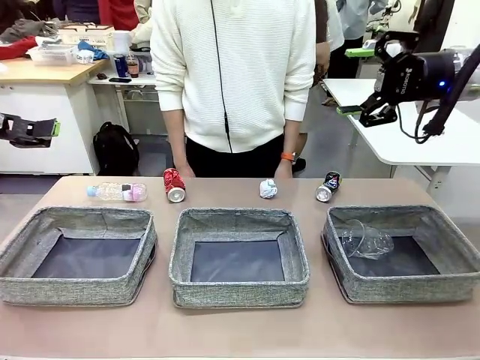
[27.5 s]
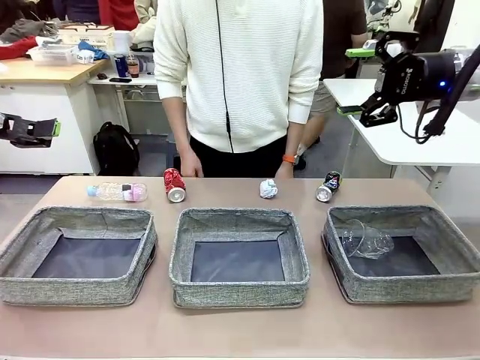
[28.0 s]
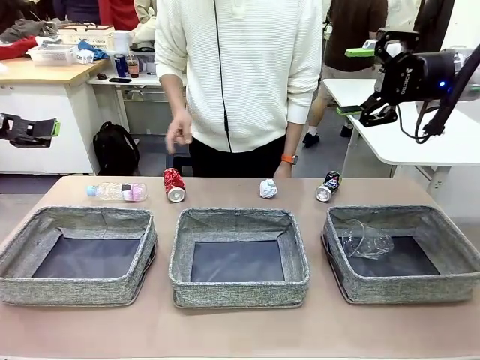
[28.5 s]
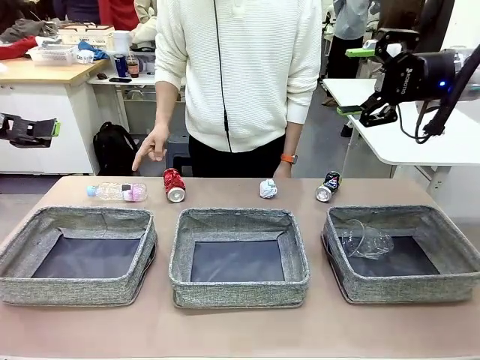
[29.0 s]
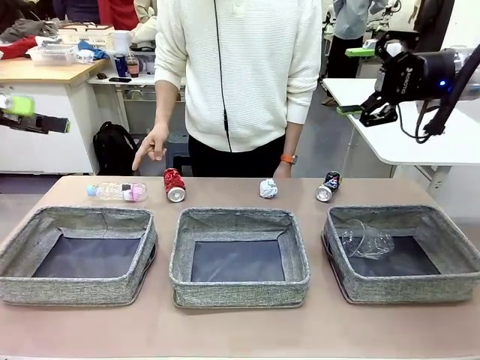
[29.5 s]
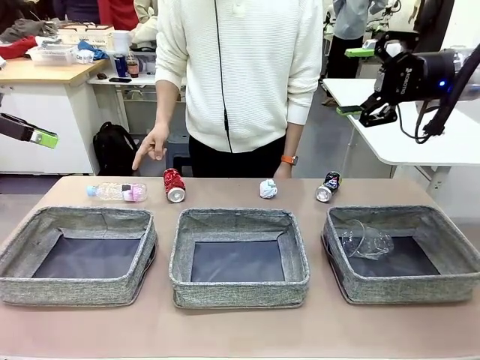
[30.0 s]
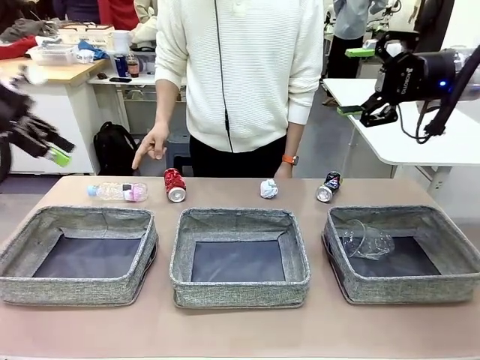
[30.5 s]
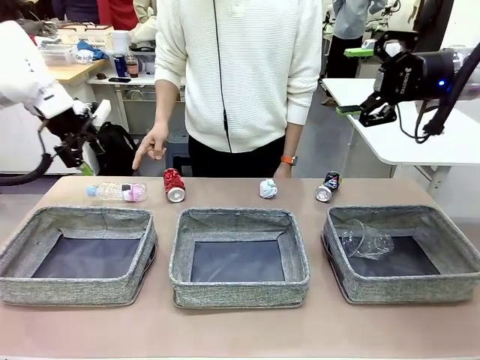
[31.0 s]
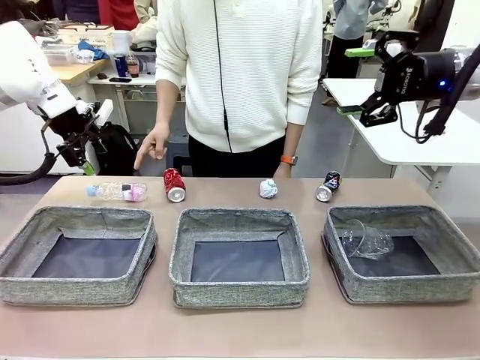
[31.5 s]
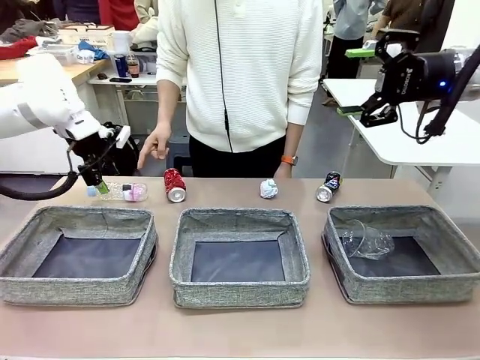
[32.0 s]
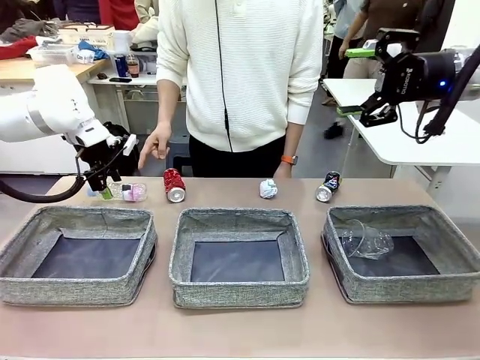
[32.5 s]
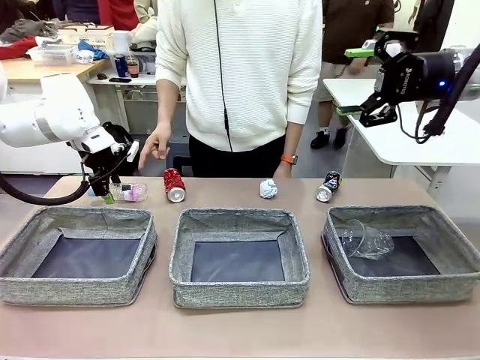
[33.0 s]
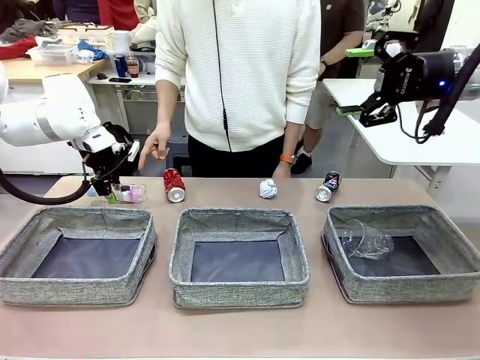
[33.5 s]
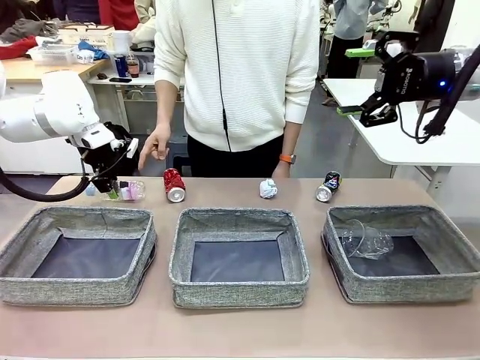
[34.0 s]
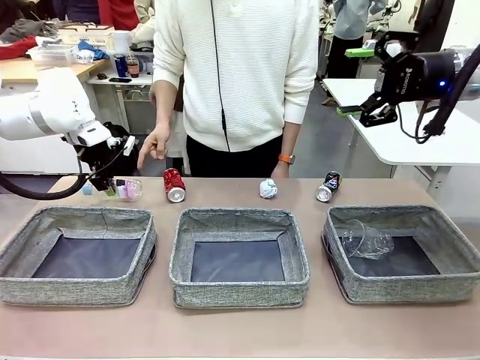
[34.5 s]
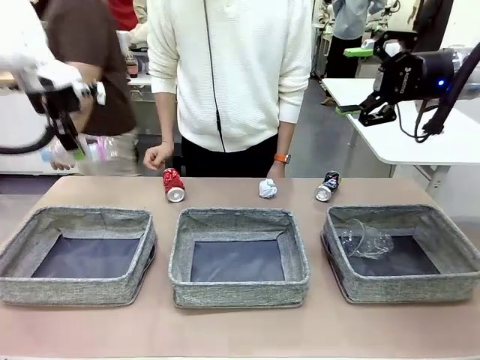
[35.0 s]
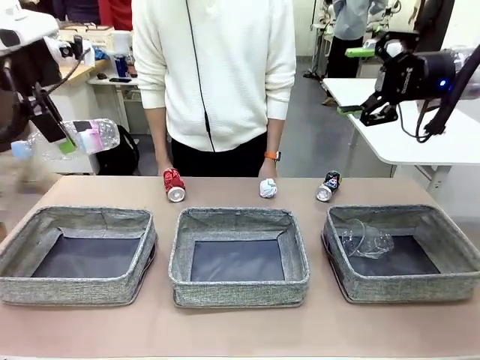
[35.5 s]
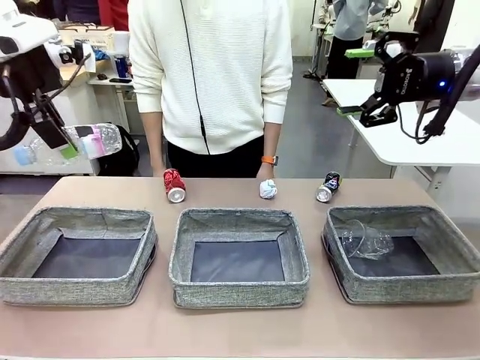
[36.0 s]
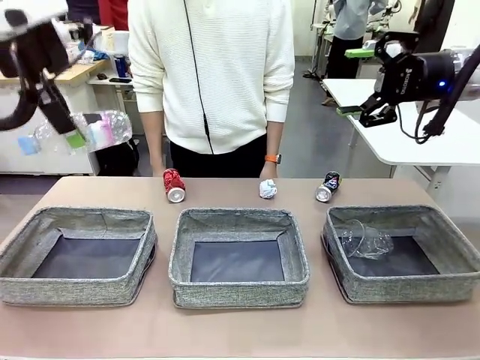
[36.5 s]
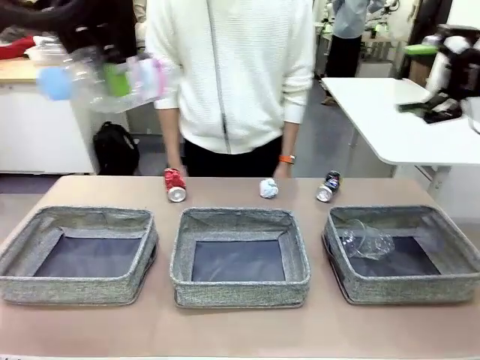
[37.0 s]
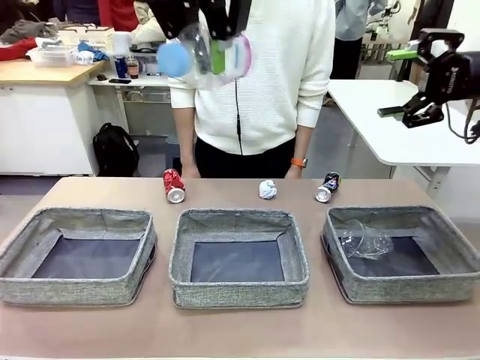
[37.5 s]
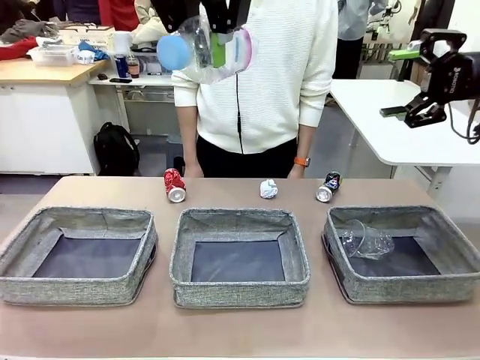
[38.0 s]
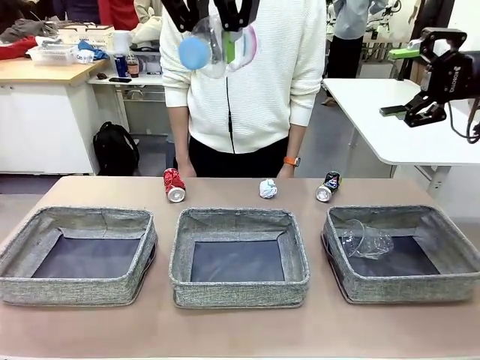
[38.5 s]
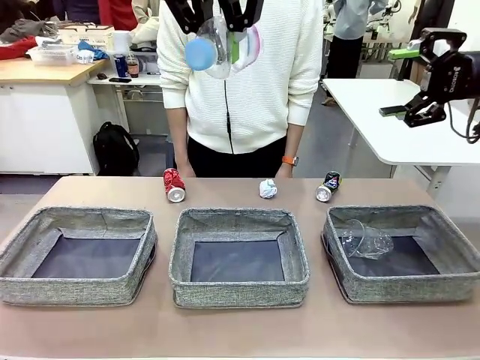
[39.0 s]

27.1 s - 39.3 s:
Task: Sort the waste into the appropriate baskets.
Robot: Pick up the waste item pointed out by the person.
Person: Points to one piece of trash on the table.

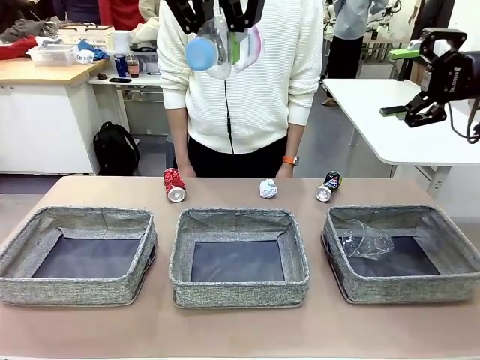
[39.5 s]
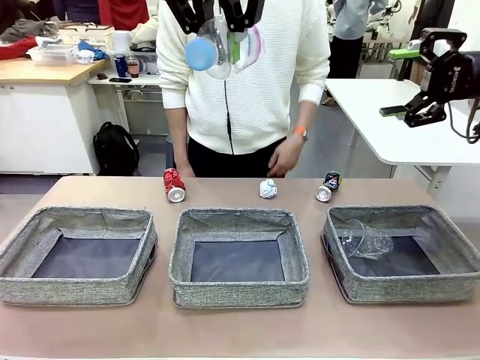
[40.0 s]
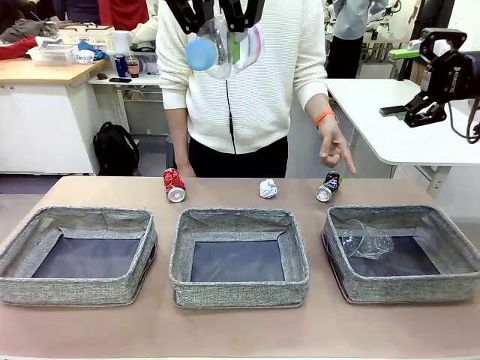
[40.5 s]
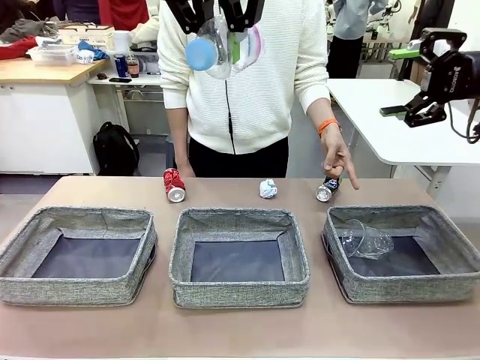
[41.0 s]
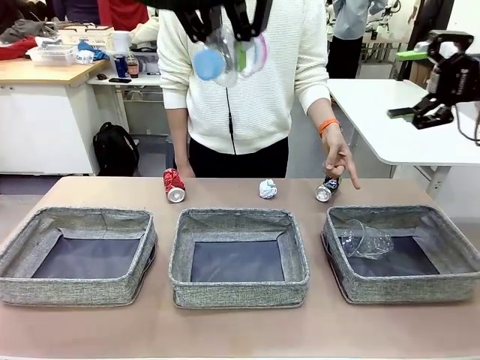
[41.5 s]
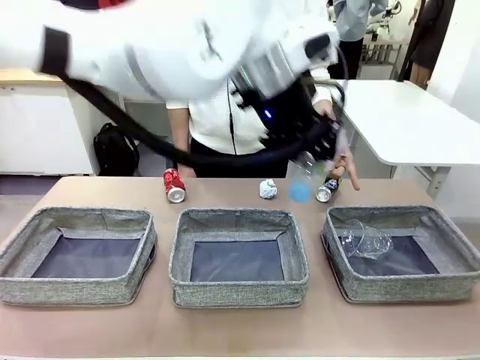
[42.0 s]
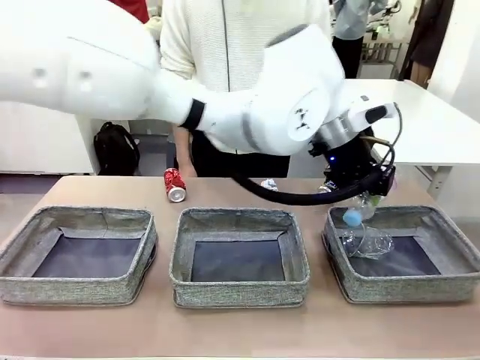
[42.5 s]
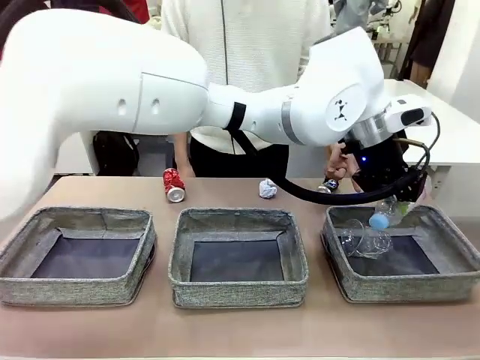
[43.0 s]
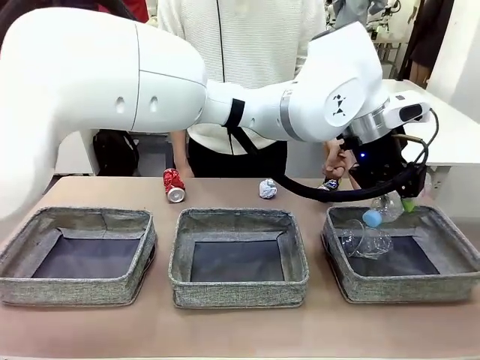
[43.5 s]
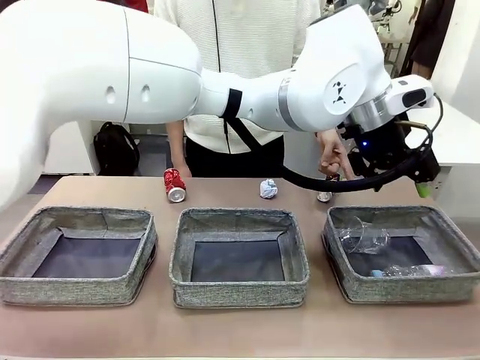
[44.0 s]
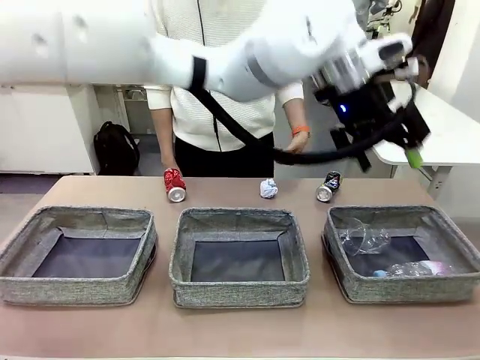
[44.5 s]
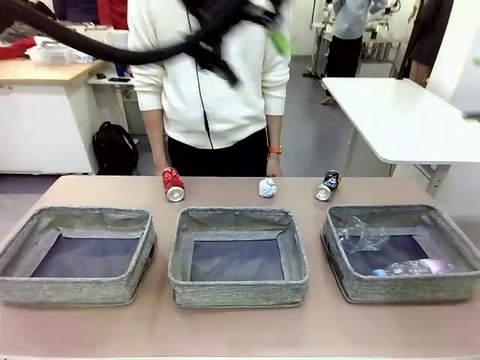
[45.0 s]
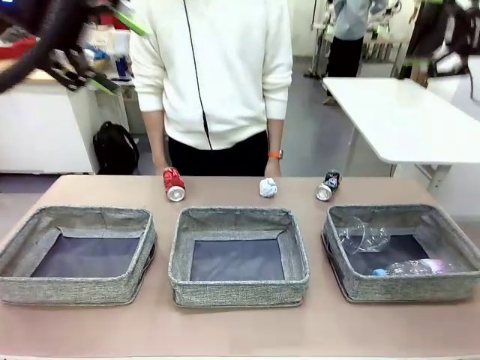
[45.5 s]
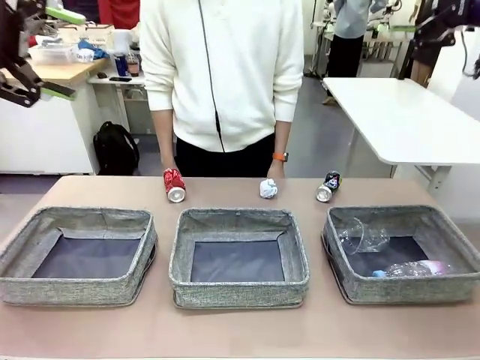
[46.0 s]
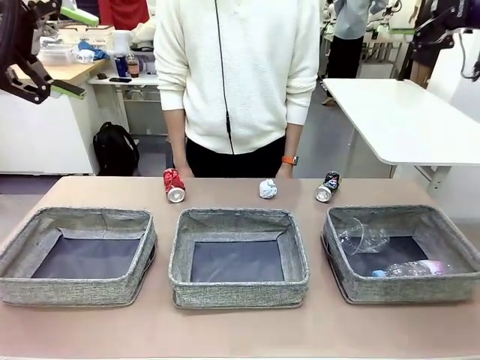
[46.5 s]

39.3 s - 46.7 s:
Robot: Place the picked waste into the Fabric basket indicated by the person.
Person: Instructs the robot to place the picked-up trash into the appropriate organizing basket.

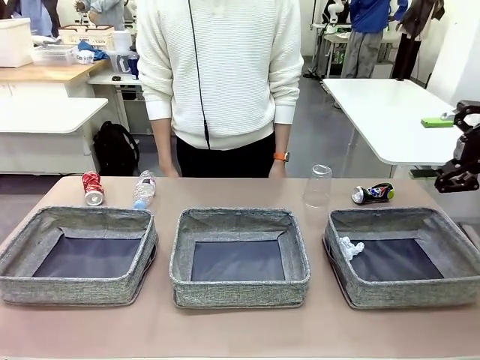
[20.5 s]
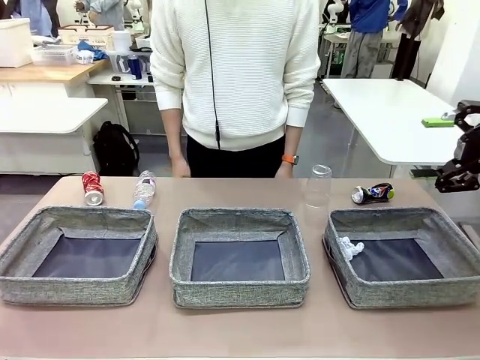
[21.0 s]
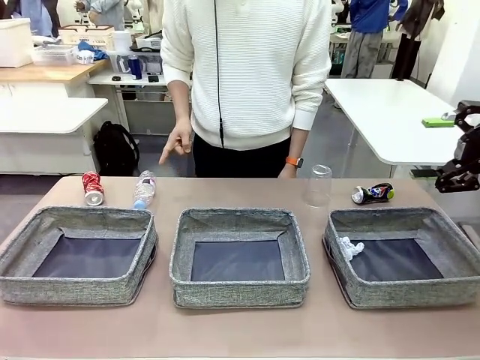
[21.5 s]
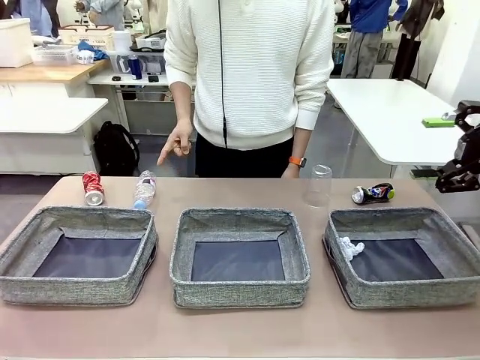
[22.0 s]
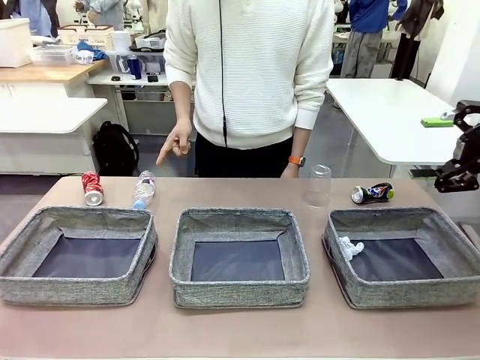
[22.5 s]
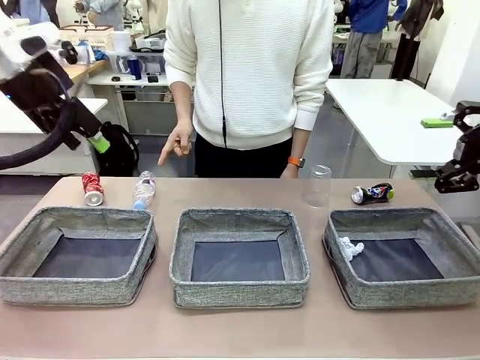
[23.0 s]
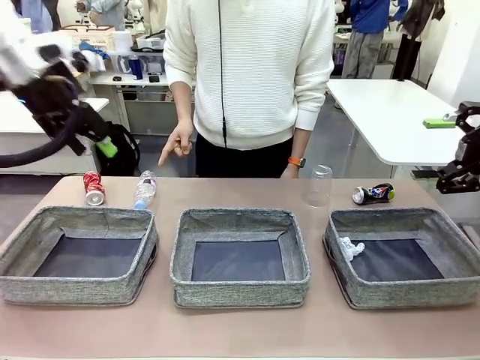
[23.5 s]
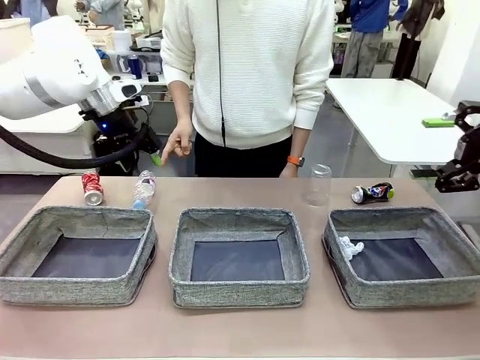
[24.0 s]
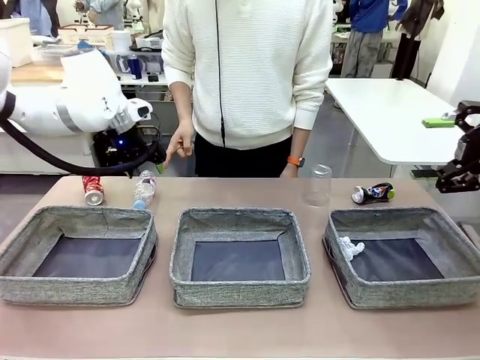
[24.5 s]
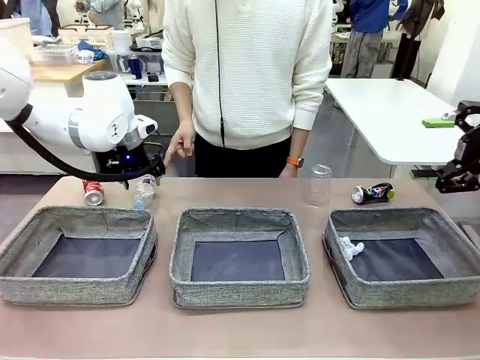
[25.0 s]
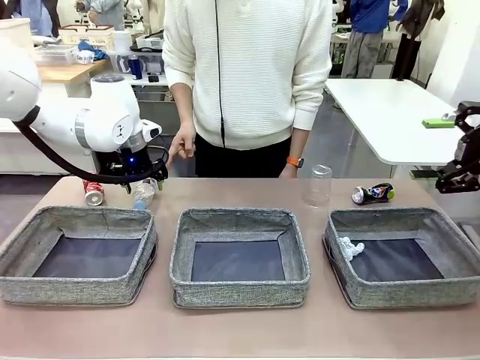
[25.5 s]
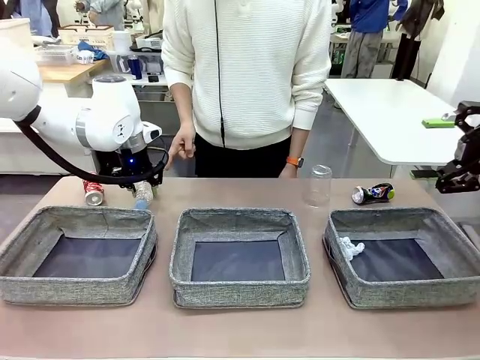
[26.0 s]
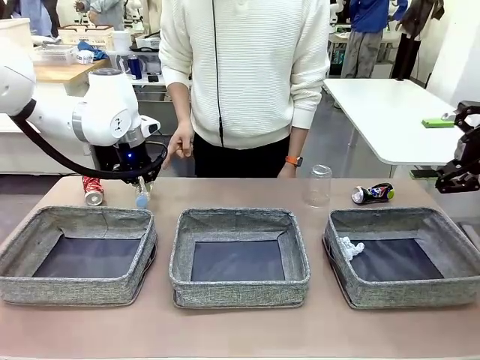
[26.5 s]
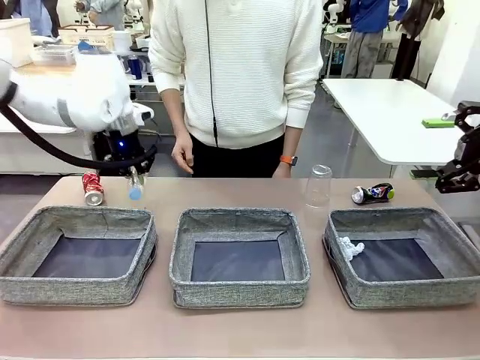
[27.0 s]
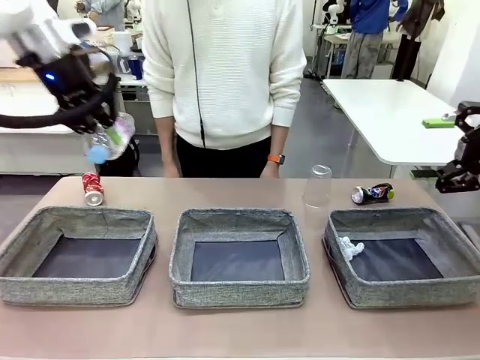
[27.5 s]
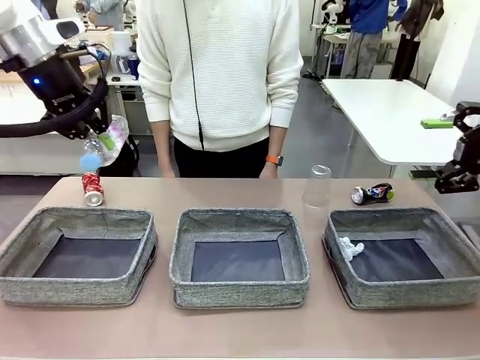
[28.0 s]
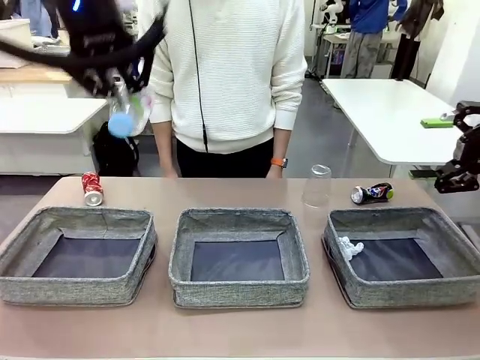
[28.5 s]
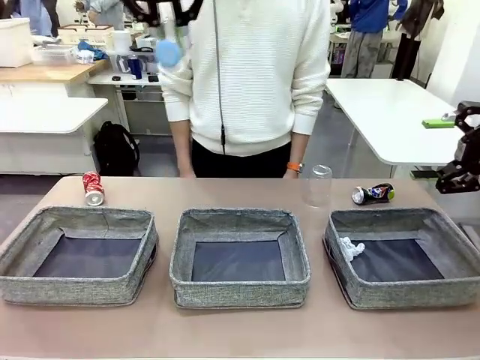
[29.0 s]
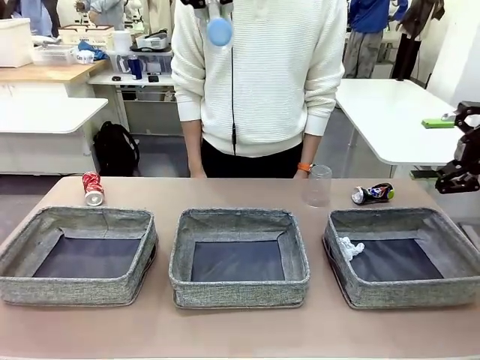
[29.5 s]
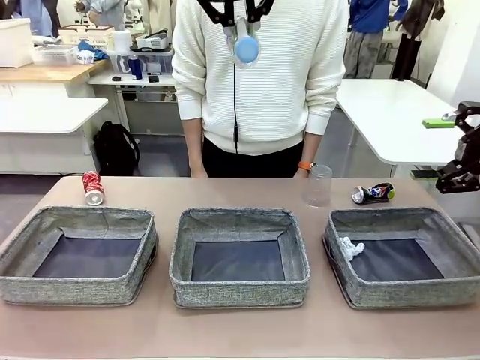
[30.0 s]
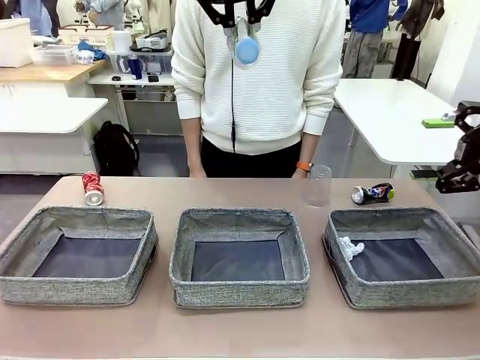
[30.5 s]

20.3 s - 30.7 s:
Task: Sort the waste into the appropriate baskets.
Robot: Pick up the waste item pointed out by the person.
Person: Points to one piece of trash on the table.
